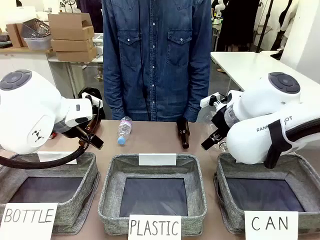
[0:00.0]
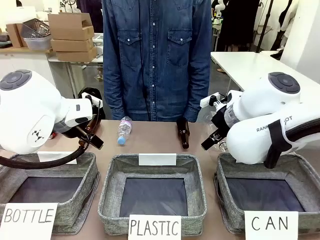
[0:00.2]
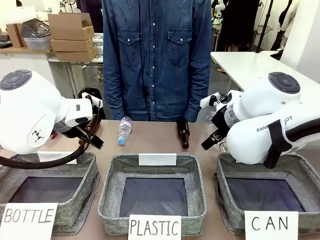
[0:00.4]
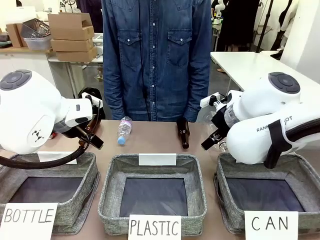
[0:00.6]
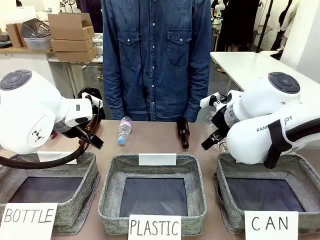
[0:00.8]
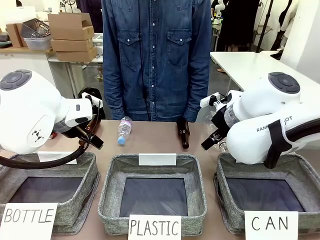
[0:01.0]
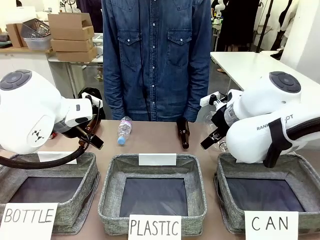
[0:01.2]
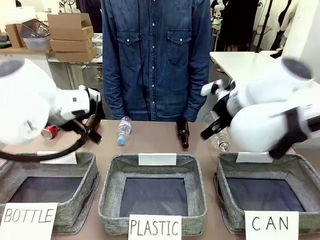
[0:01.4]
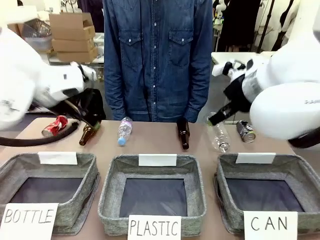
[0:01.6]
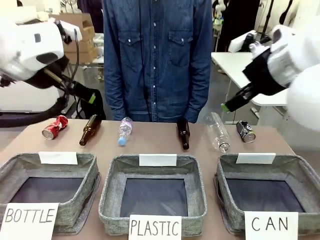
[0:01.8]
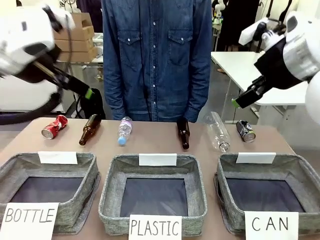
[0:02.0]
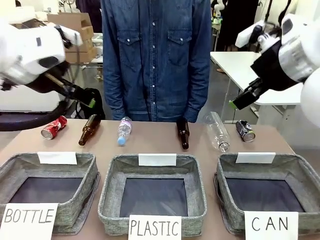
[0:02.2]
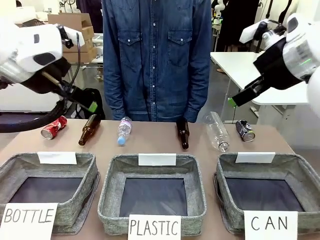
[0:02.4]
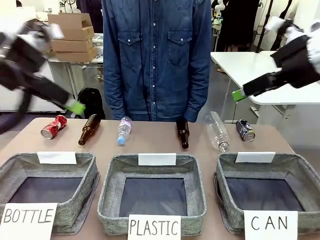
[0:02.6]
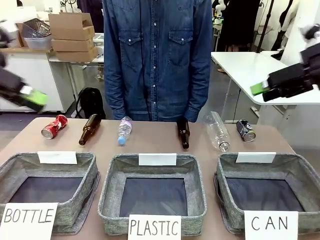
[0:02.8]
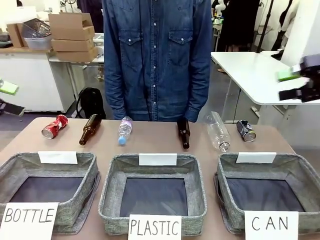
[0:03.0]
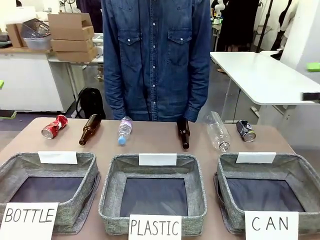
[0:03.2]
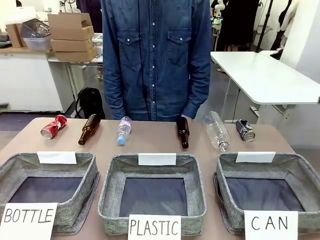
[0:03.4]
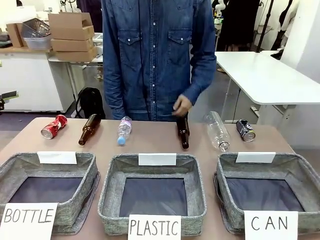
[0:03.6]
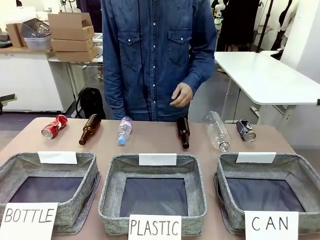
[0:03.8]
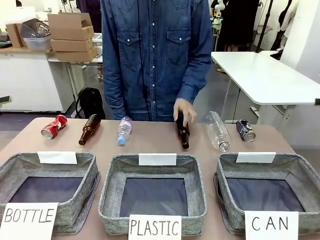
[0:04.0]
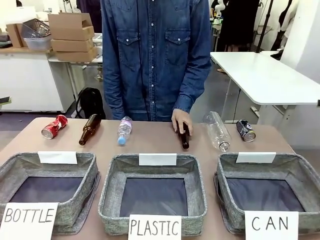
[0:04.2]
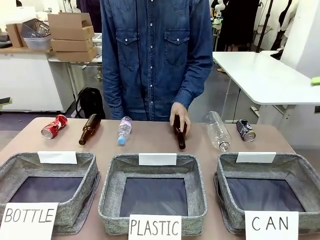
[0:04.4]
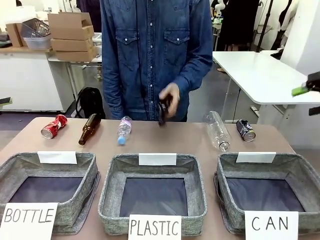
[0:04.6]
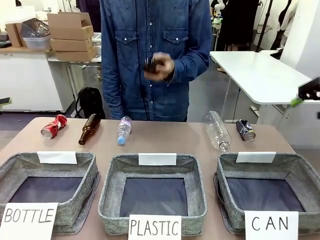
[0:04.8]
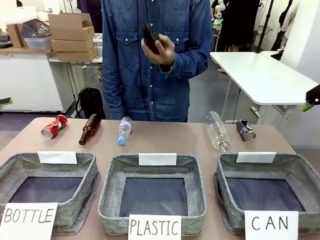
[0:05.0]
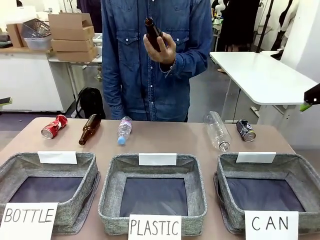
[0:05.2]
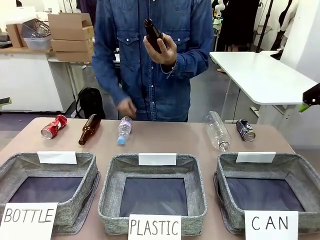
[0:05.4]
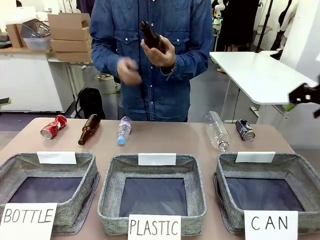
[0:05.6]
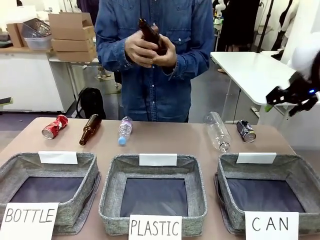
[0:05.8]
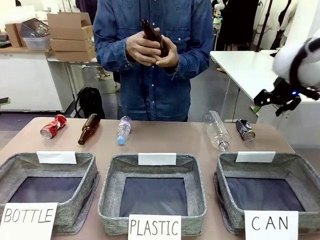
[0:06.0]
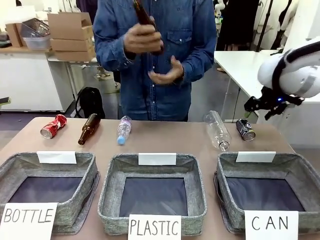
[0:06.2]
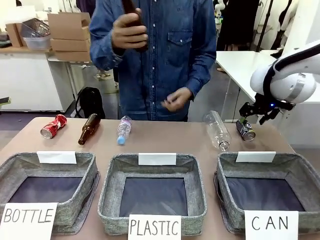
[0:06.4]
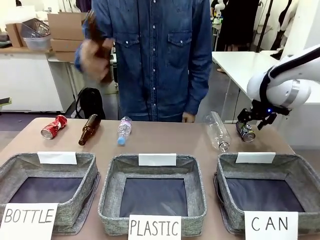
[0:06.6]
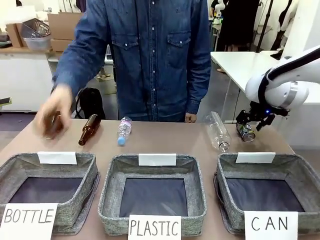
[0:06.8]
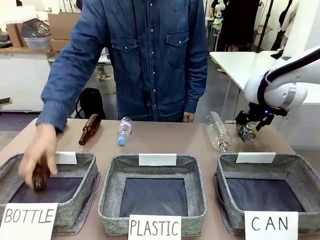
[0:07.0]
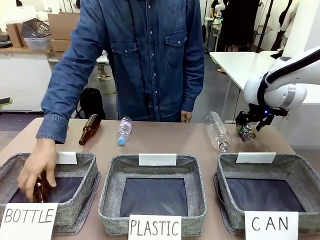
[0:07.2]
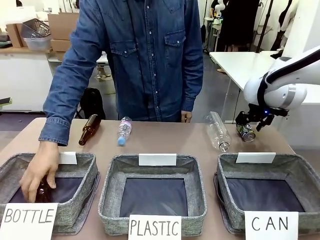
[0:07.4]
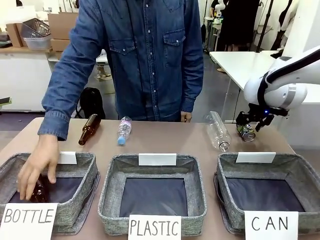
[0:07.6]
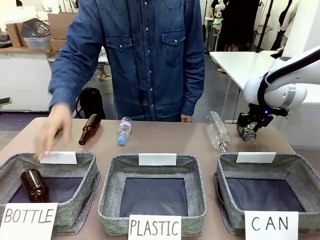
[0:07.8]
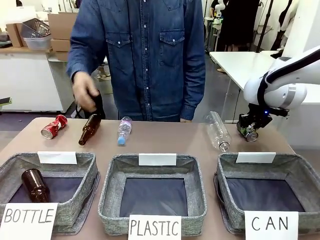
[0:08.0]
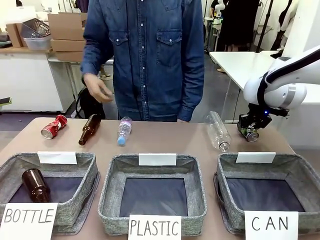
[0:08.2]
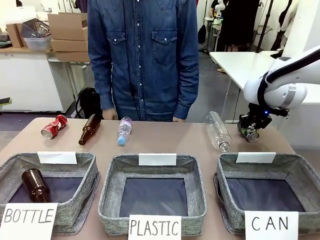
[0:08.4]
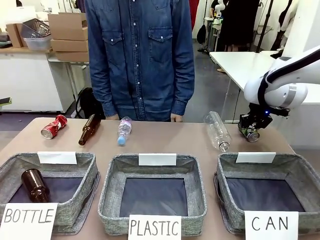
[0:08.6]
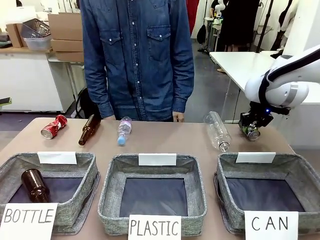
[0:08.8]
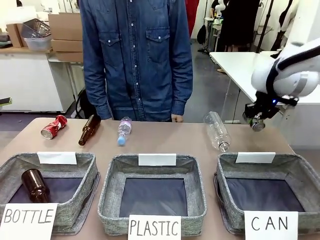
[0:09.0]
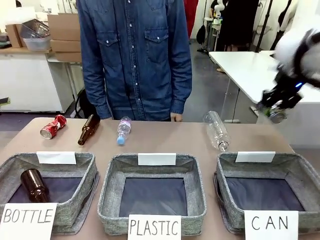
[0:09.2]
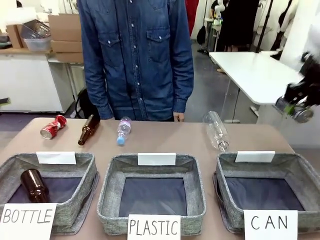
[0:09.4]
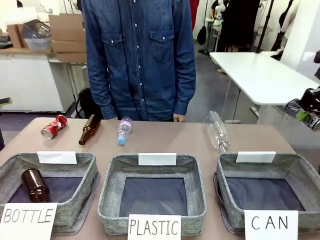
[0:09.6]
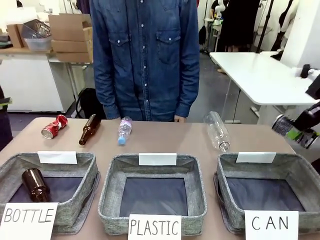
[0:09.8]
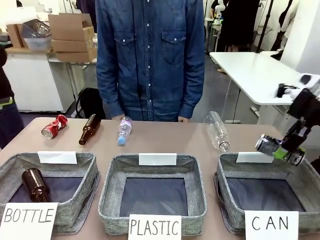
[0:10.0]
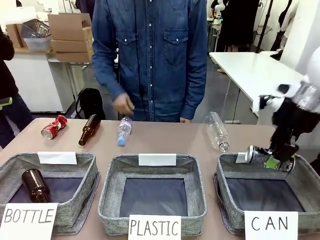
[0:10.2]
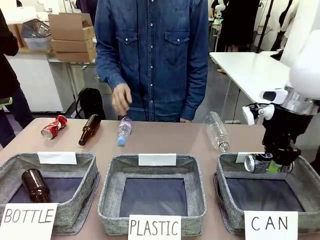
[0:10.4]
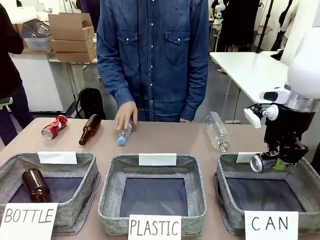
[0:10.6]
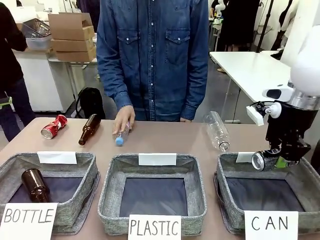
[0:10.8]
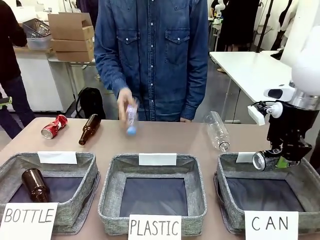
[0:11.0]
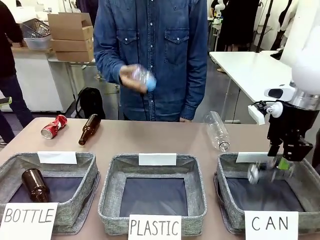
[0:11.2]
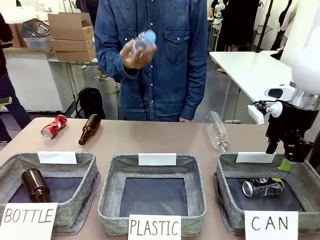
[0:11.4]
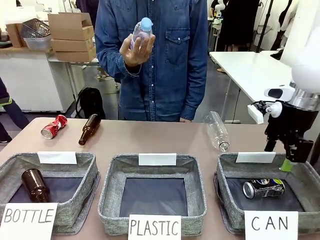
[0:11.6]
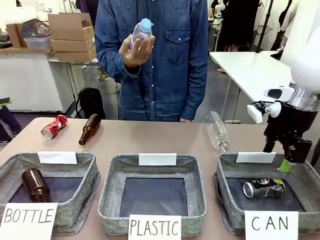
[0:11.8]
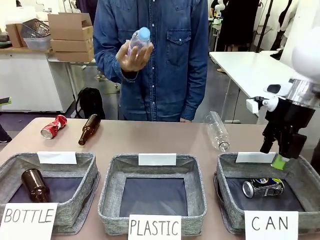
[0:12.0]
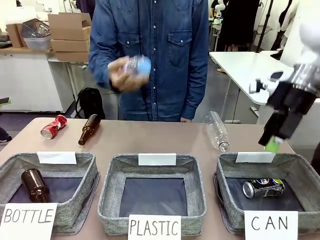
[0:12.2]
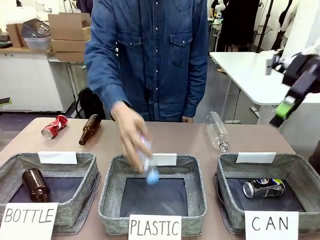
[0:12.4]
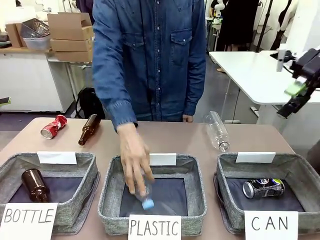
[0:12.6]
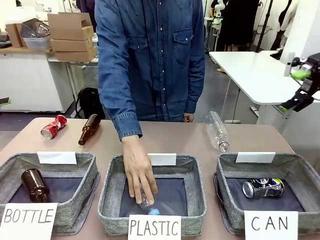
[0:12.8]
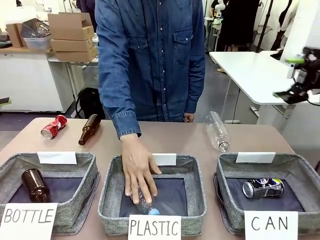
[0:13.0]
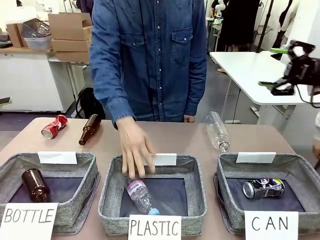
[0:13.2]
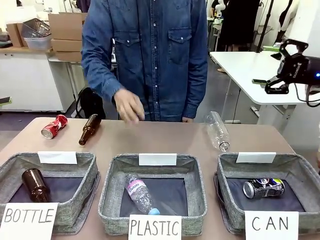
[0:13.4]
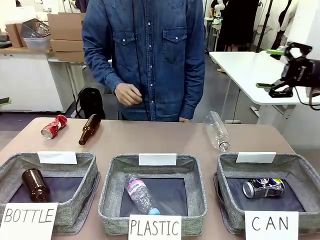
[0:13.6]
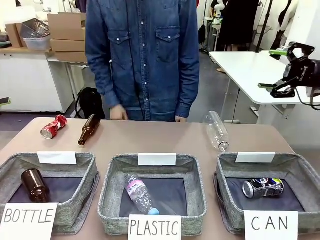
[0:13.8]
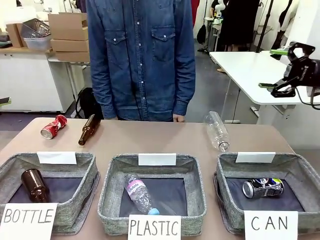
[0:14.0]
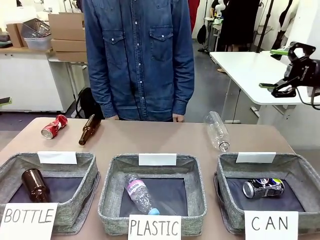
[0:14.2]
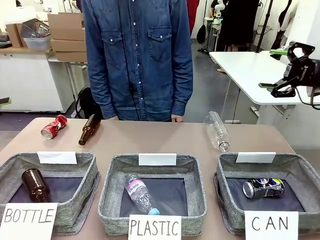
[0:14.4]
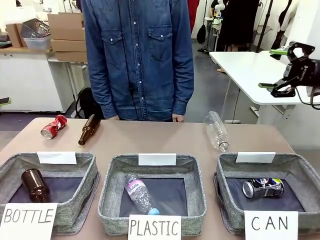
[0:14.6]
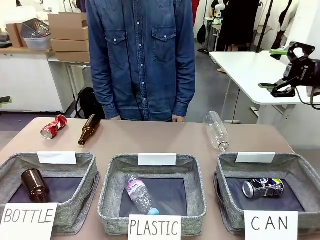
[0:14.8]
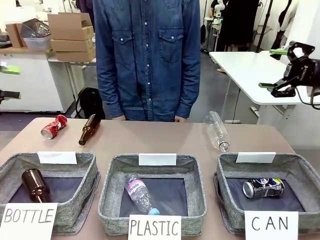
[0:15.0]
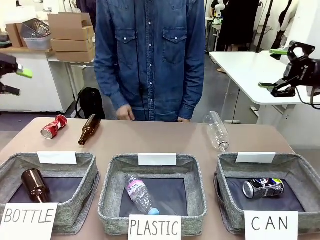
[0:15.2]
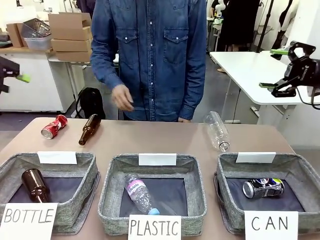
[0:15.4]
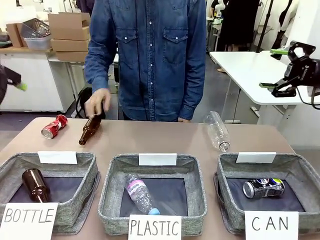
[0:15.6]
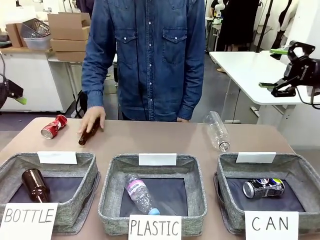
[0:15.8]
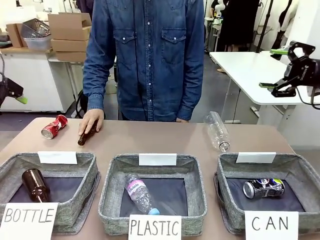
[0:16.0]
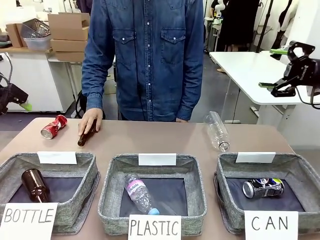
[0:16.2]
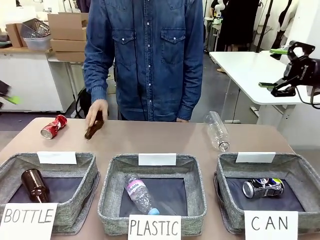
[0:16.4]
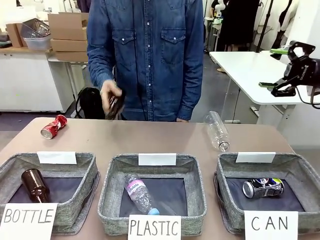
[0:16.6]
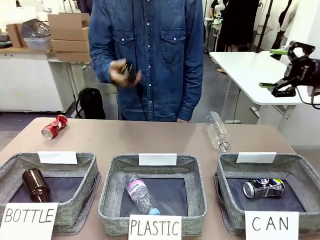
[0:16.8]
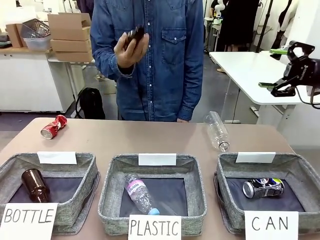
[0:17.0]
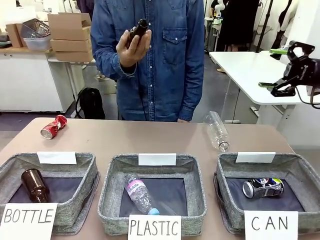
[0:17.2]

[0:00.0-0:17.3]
Task: Sort the can waste into the basket.
Robot: Pick up the can waste from the table and place it in the right Fabric basket.
